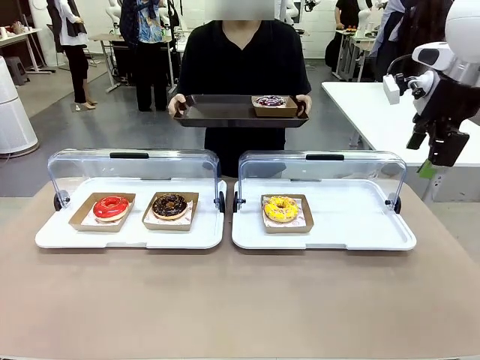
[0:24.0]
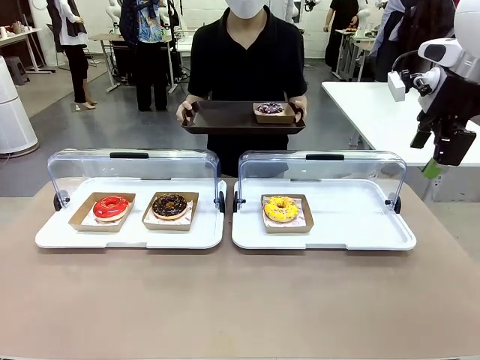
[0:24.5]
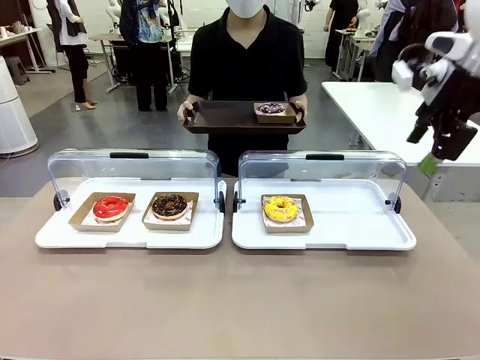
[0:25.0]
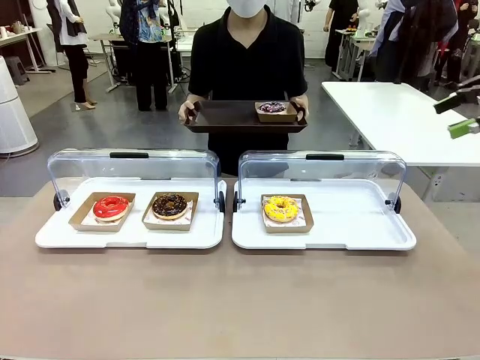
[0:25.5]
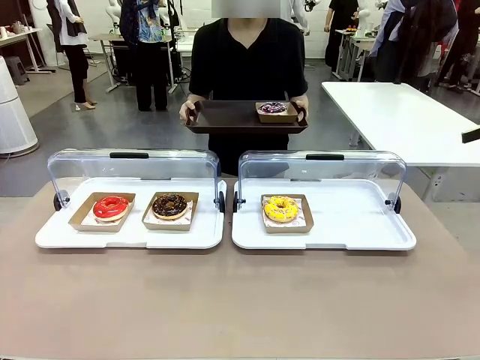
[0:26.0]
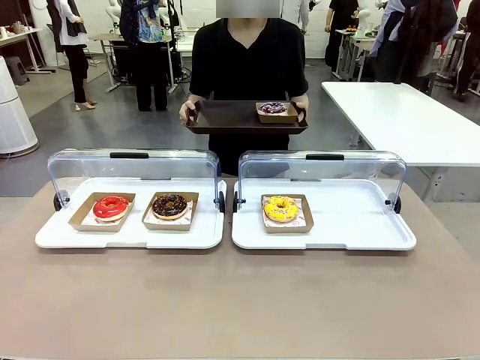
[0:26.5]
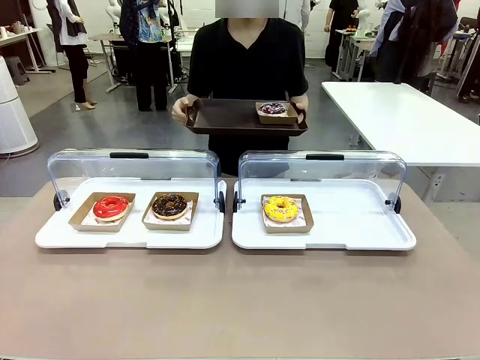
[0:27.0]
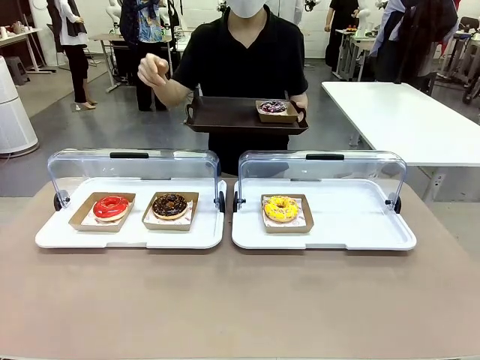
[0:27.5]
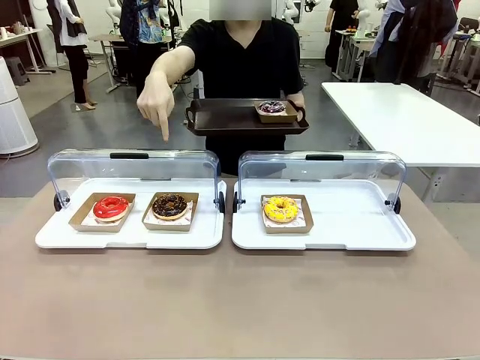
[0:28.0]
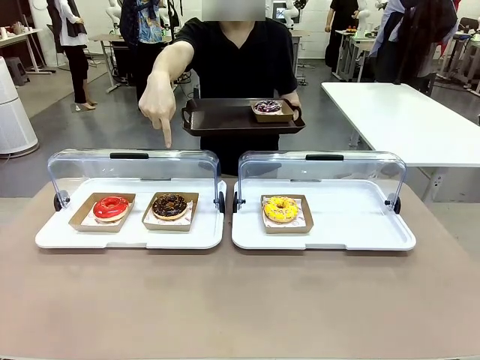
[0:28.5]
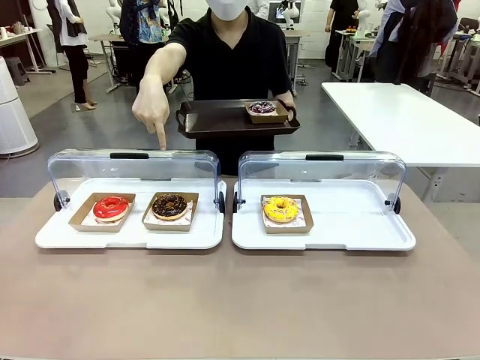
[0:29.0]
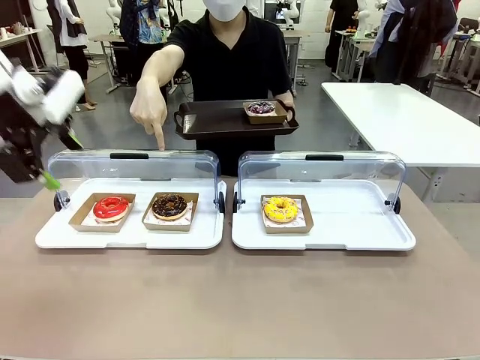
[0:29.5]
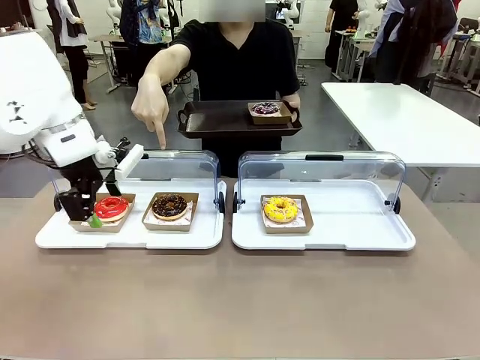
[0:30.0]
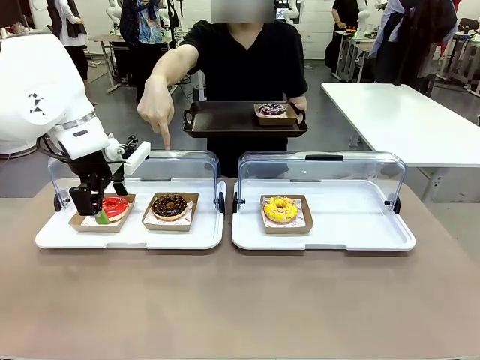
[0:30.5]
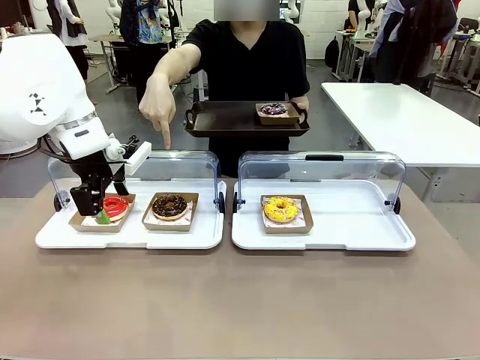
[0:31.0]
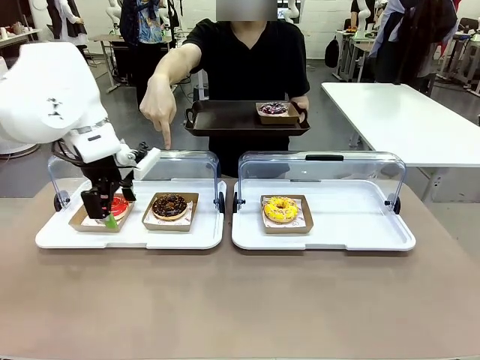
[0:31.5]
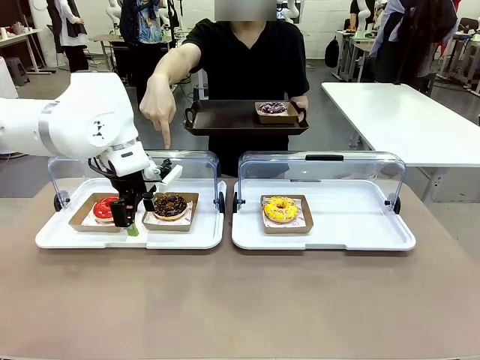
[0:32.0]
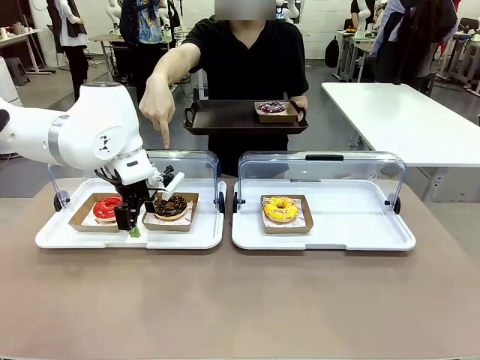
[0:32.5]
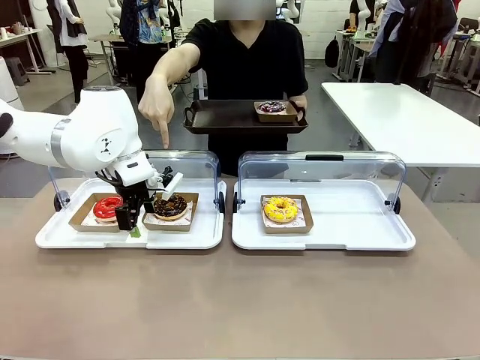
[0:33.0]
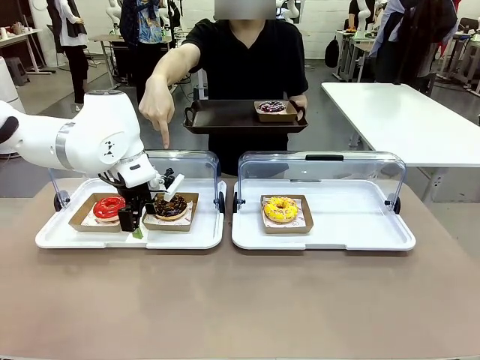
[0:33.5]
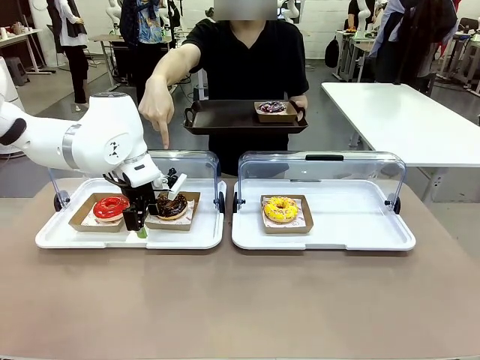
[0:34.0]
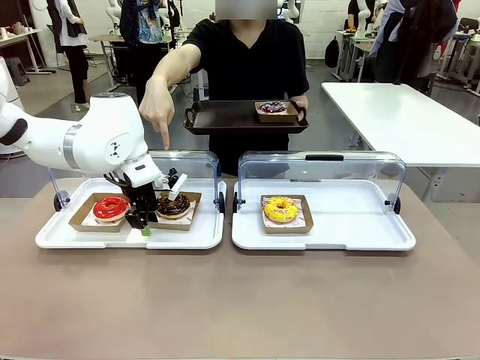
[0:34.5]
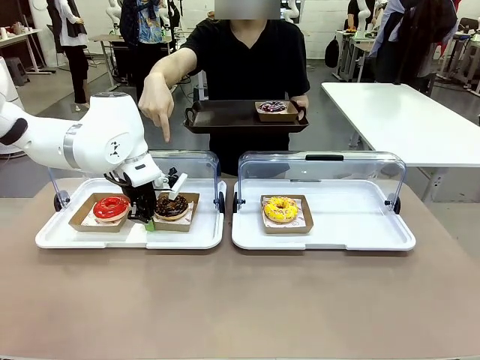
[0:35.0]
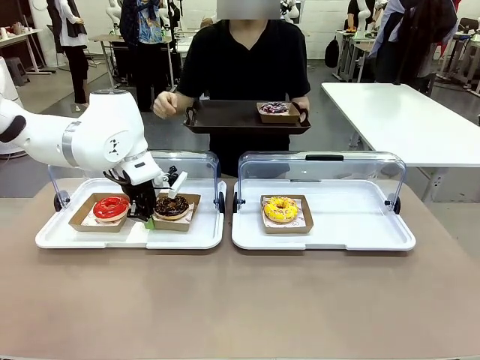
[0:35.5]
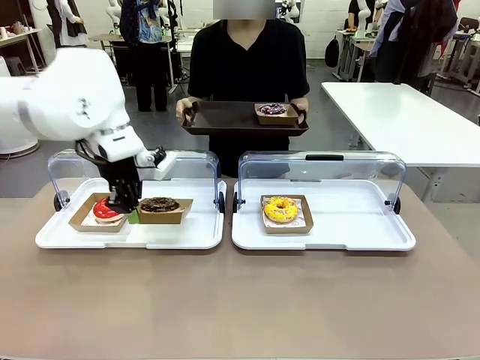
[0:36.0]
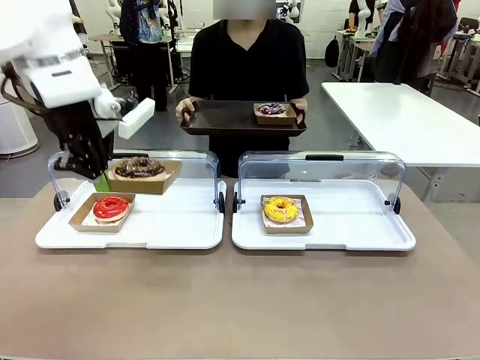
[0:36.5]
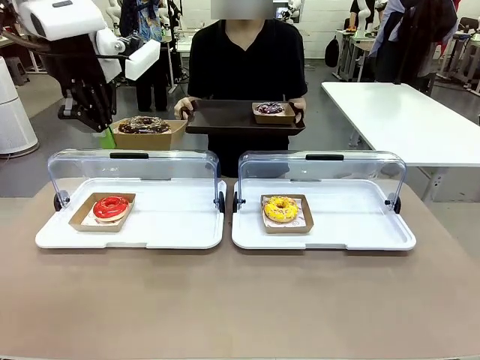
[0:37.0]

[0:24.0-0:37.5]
Task: Provide the desired donut to the person.
Robot: Pick up and lift the Paper togo box containing the Donut pointed at by the person.
Person: Point to one donut. Lift the tray onto the Roll-Top Bakery Case.

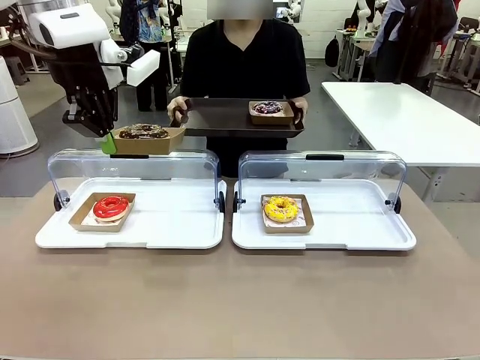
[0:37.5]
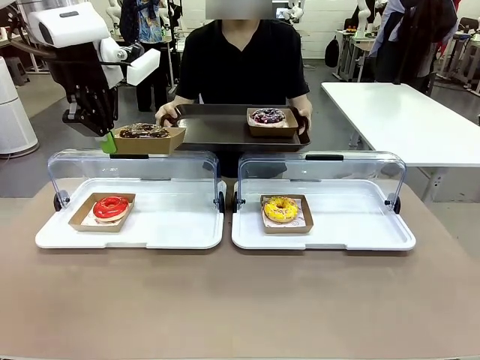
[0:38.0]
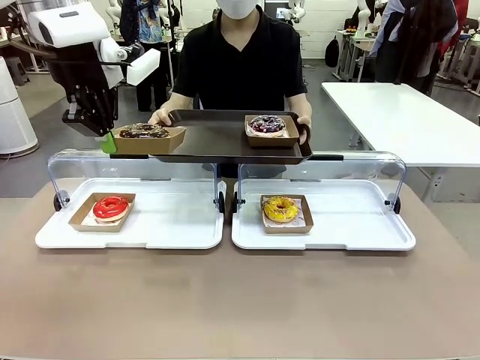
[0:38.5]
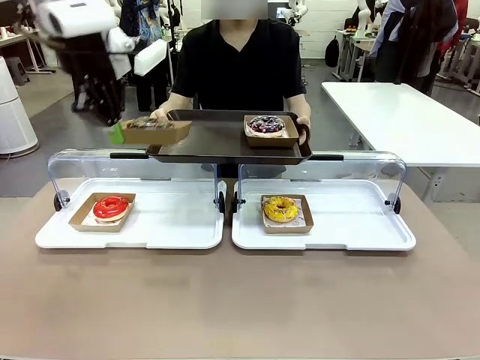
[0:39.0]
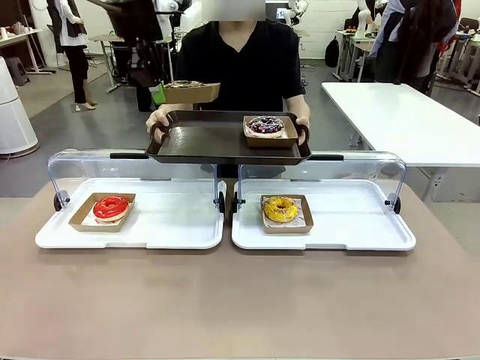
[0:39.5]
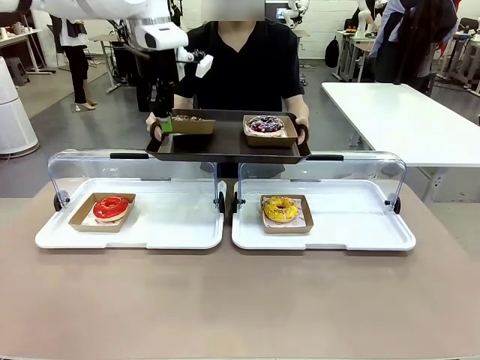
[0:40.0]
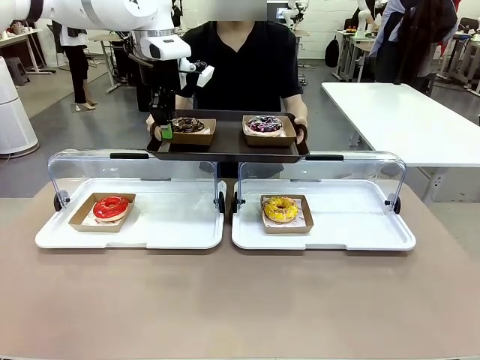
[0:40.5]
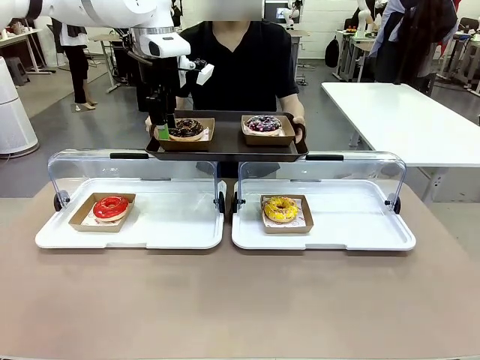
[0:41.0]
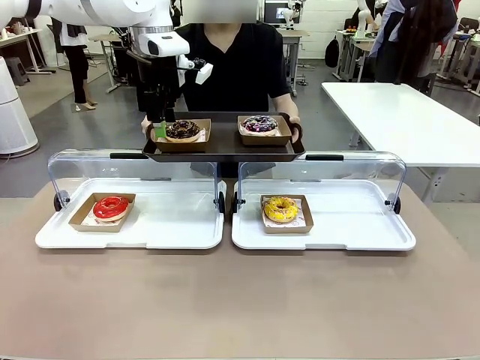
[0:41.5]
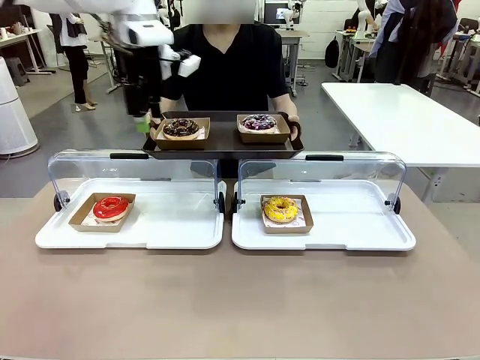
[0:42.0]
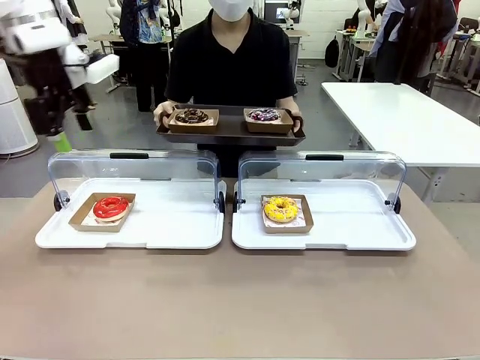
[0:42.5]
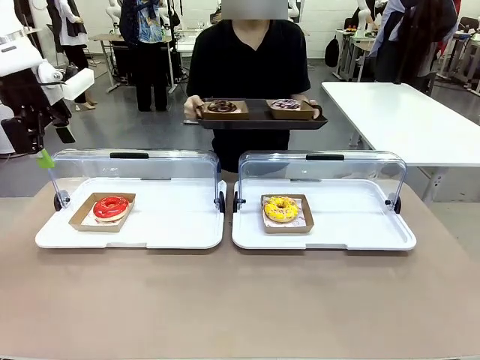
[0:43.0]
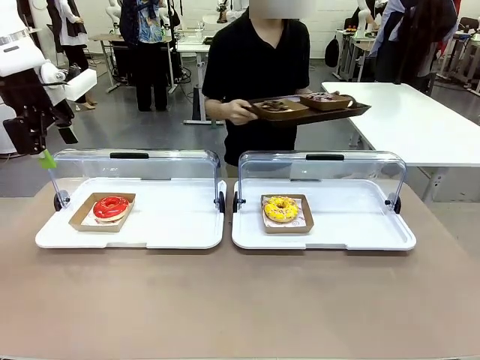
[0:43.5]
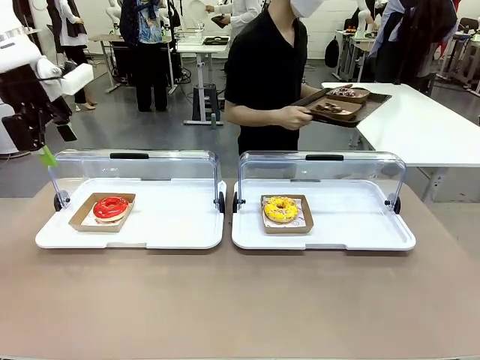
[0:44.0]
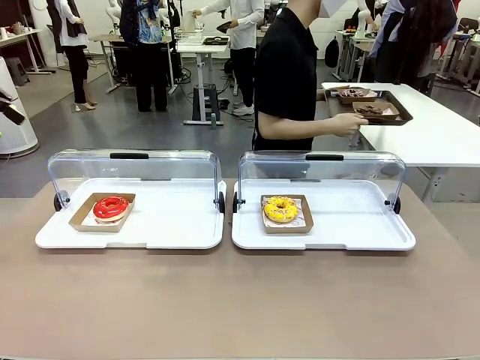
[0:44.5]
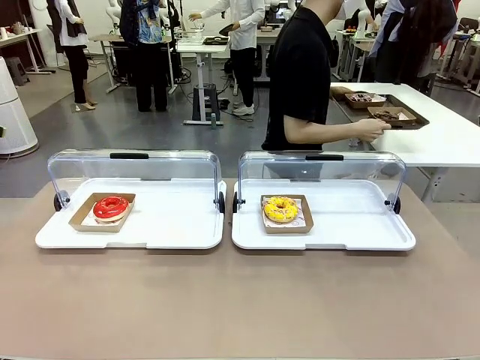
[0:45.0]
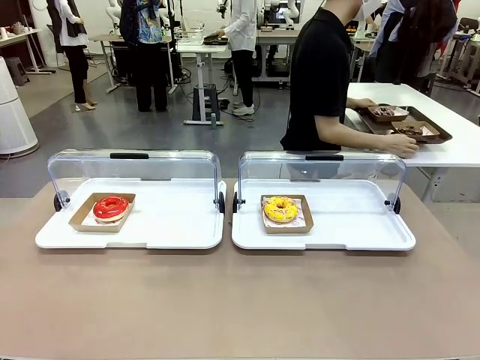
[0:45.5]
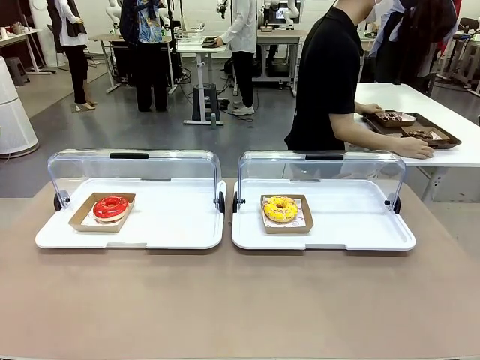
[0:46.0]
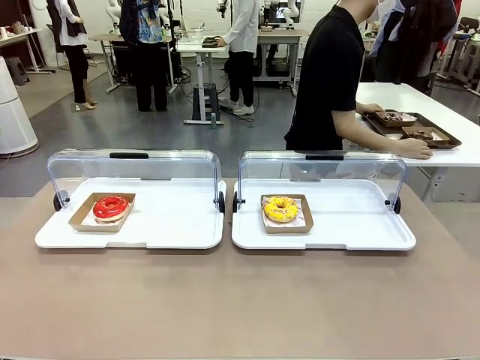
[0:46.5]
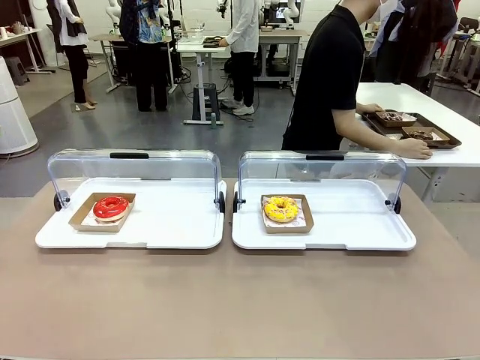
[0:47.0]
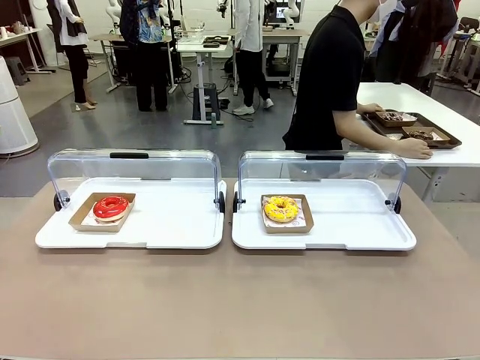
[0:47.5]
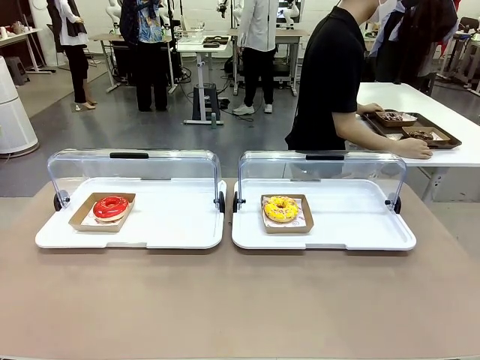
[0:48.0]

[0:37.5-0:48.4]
Robot: Place the picked Paper togo box onto the Handle tray extended by the person.
Person: Place the tray in the middle of the human table.

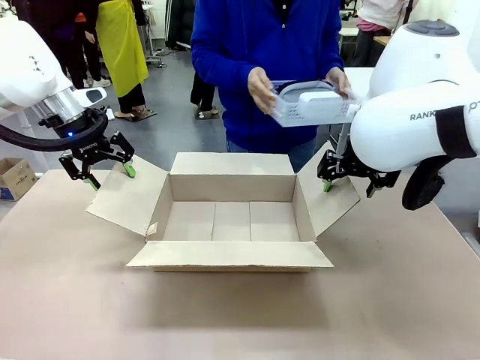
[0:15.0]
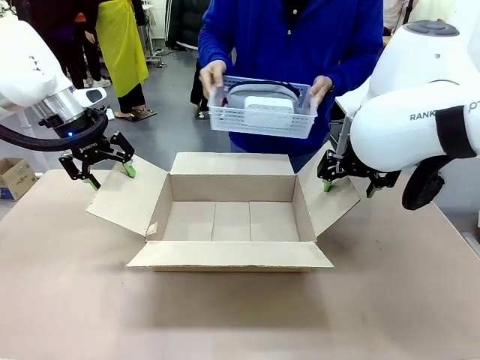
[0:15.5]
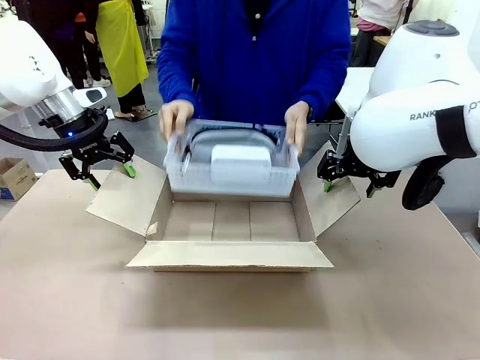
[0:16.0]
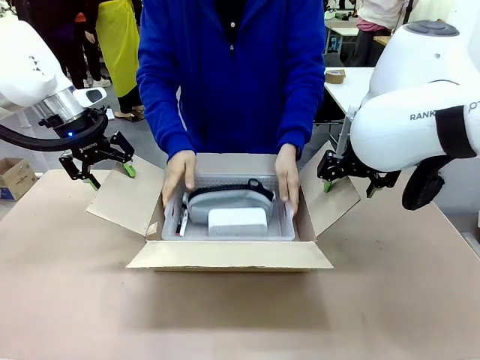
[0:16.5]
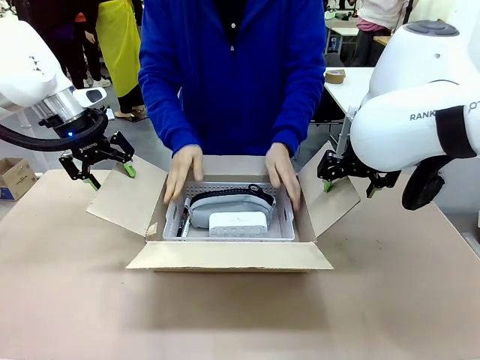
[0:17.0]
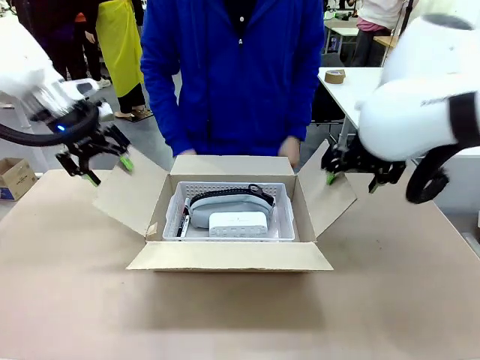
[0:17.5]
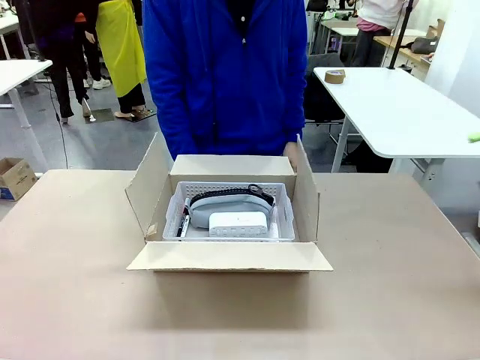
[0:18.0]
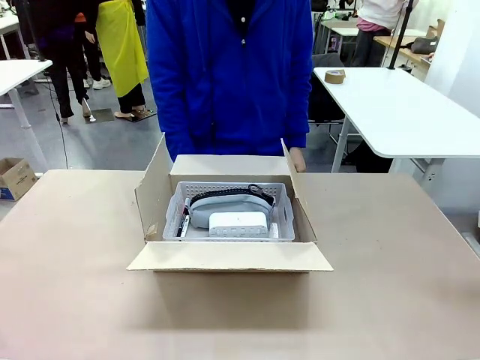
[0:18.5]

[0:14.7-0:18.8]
Task: Pack the gift set into the box.
Robot: Lift both hands away from the flaps of the Package Box.
Person: The human picks up the organizing basket and places the organizing basket into the package box on the robot table.
